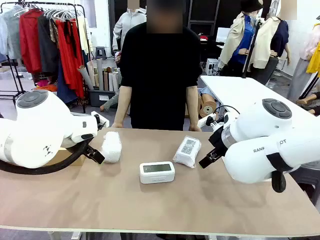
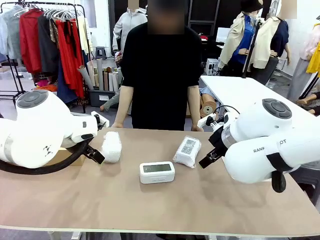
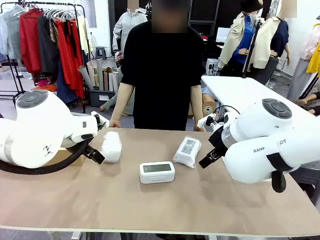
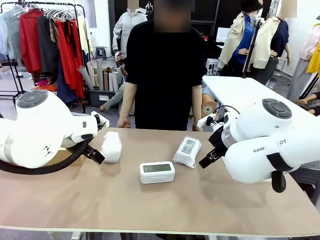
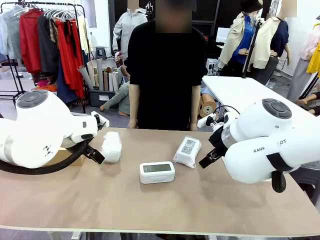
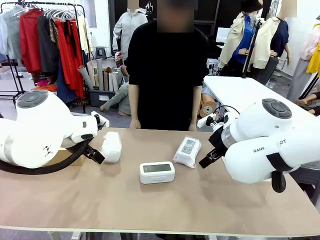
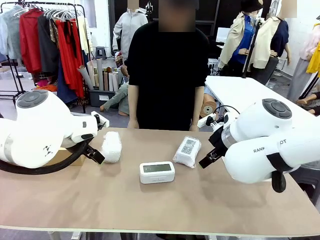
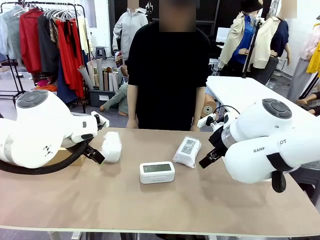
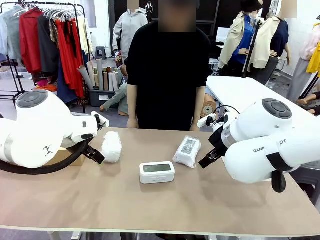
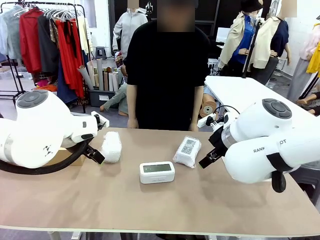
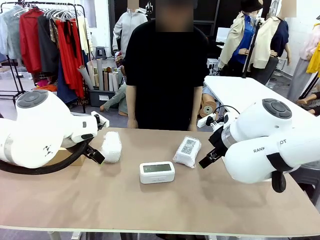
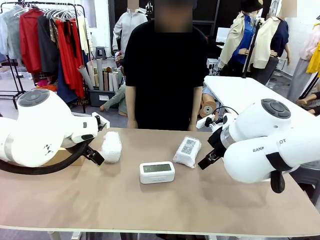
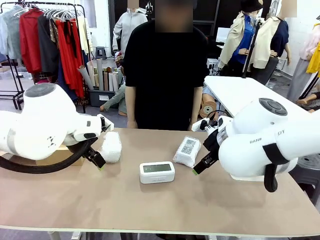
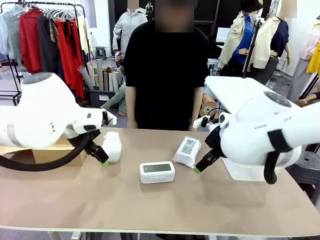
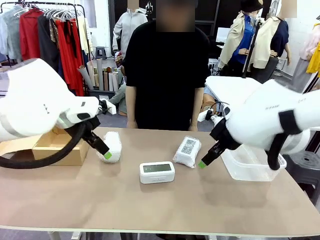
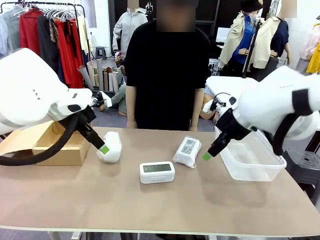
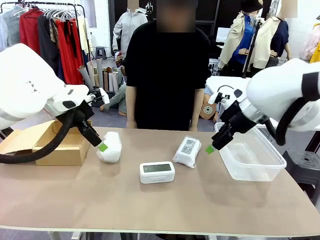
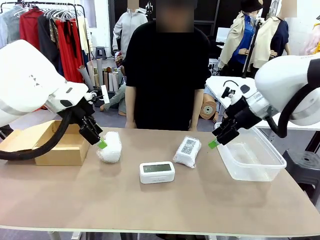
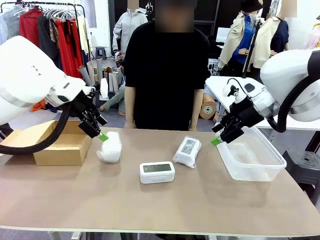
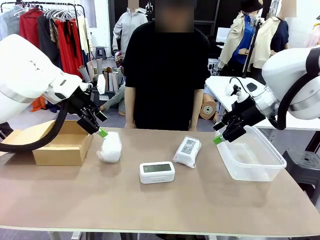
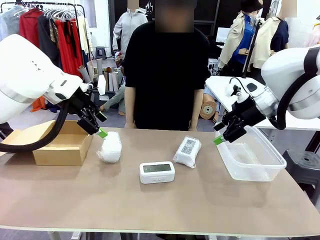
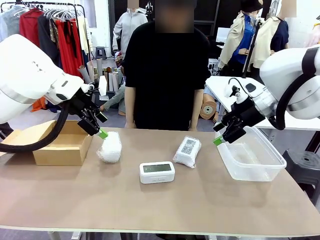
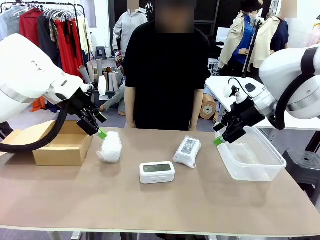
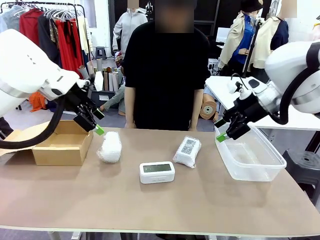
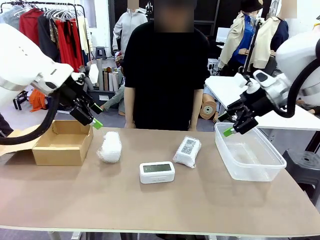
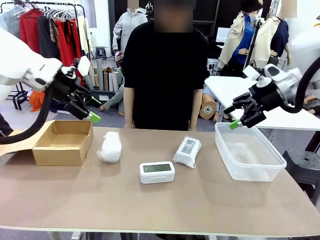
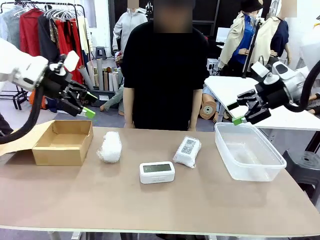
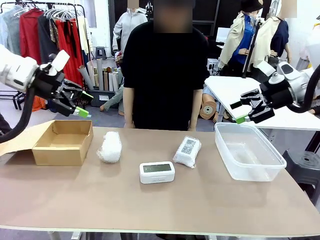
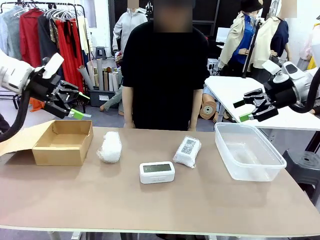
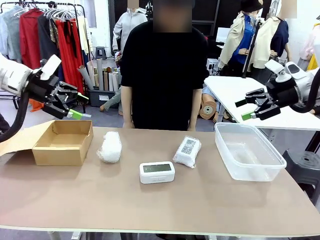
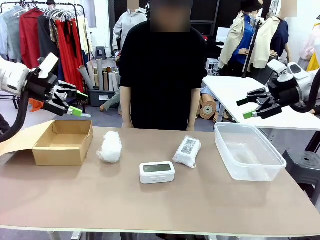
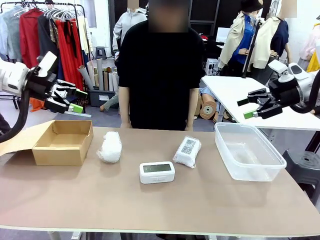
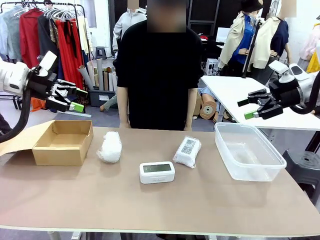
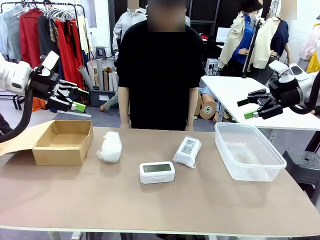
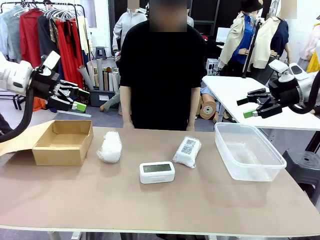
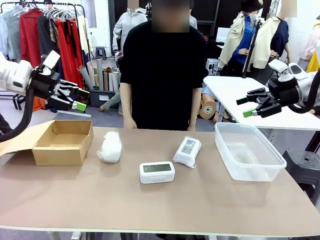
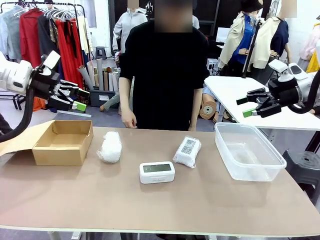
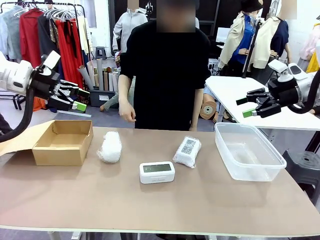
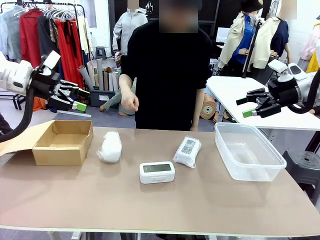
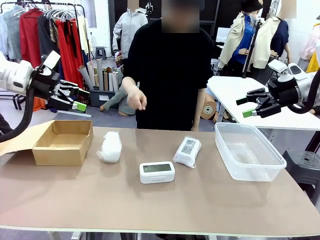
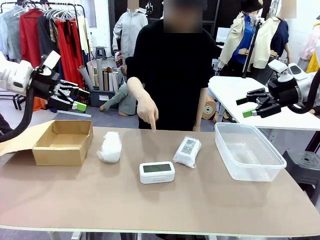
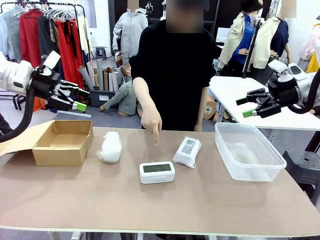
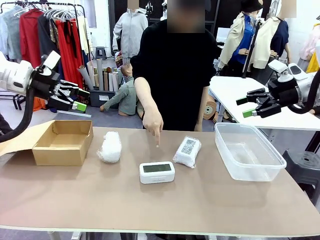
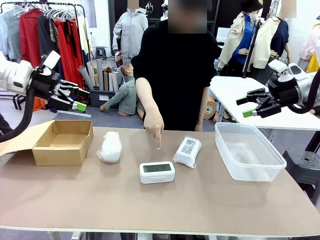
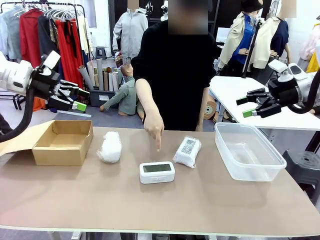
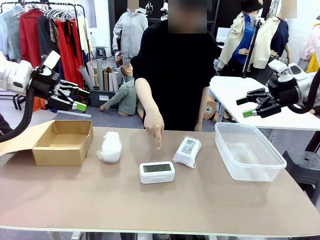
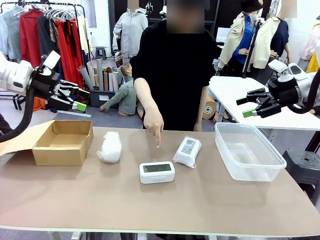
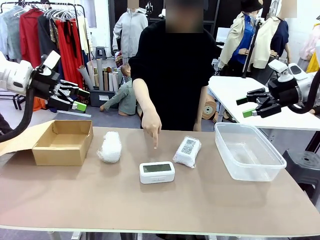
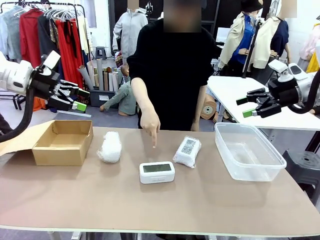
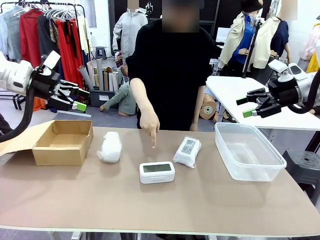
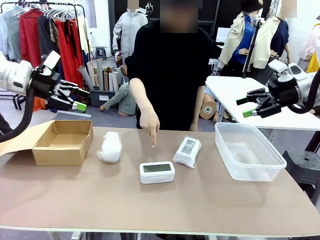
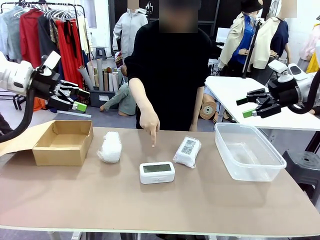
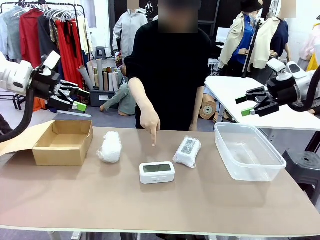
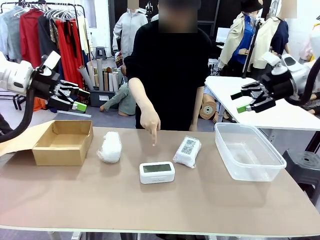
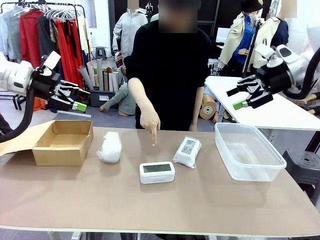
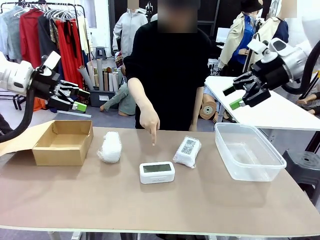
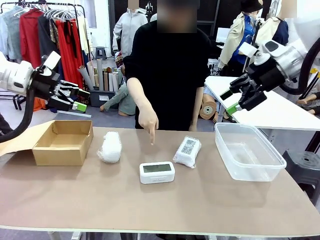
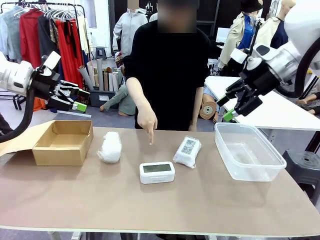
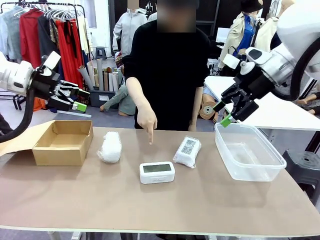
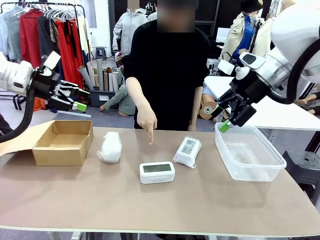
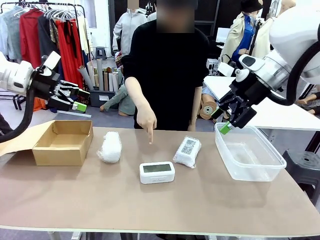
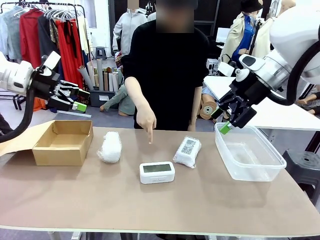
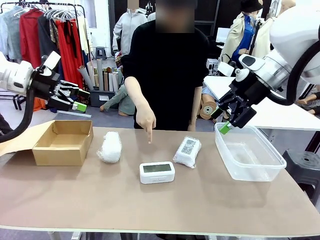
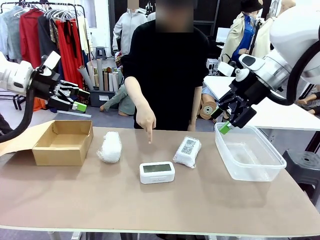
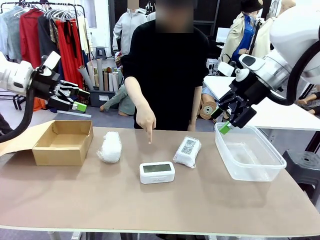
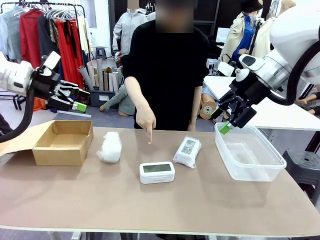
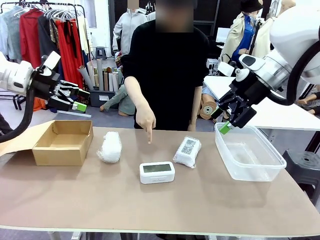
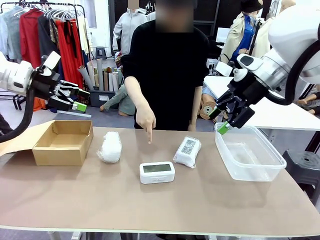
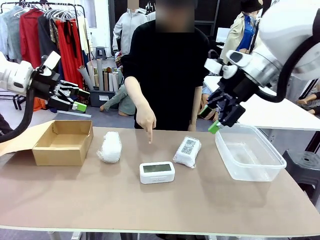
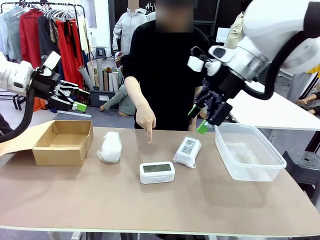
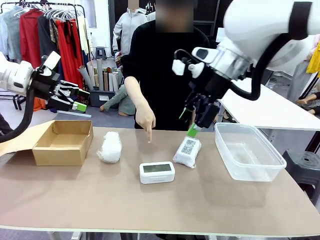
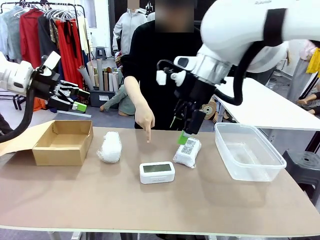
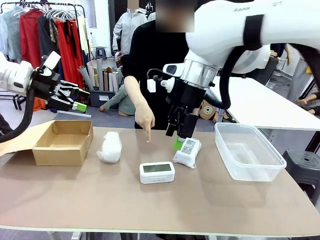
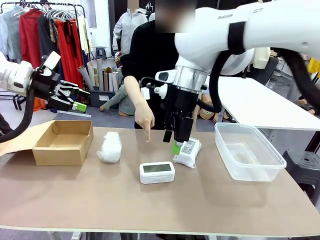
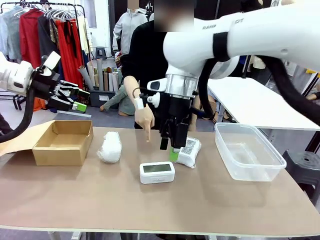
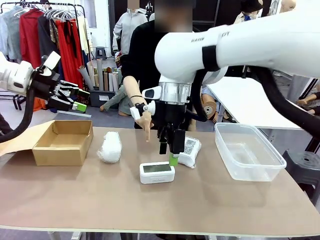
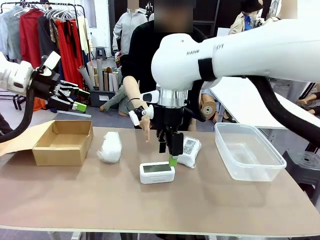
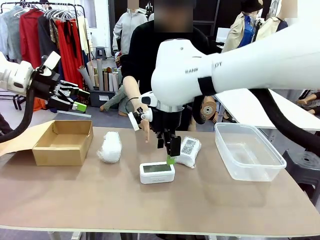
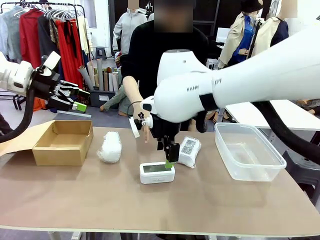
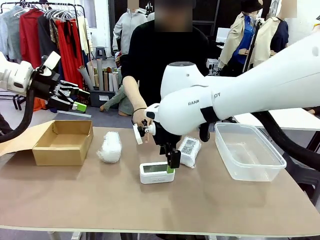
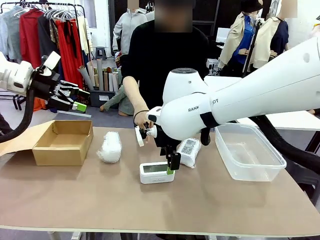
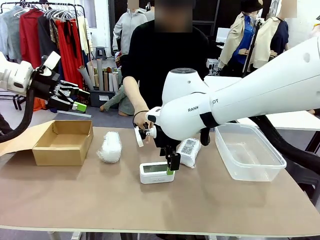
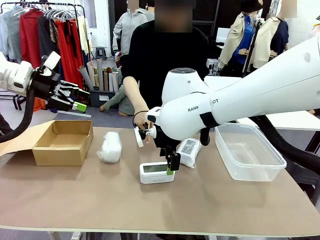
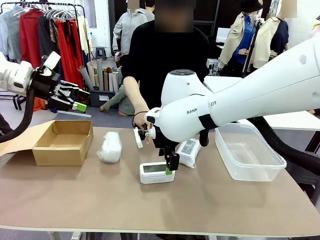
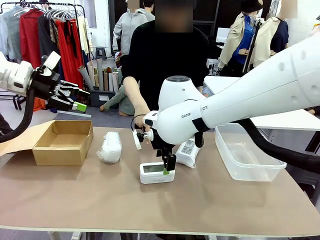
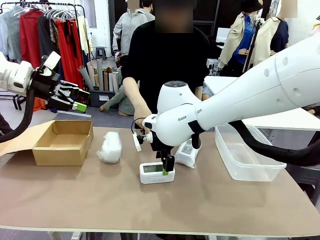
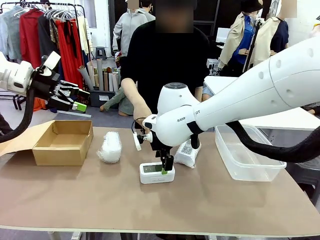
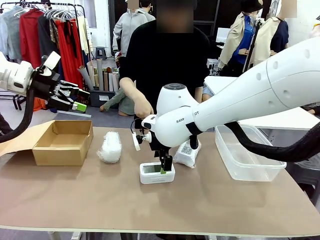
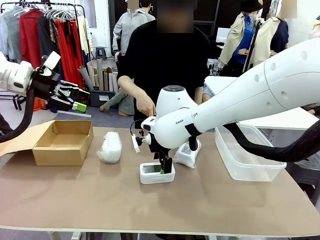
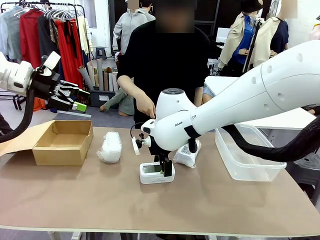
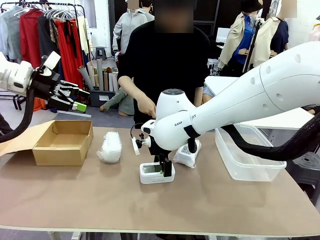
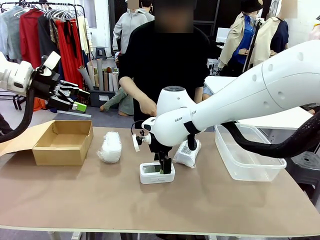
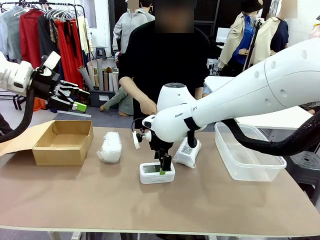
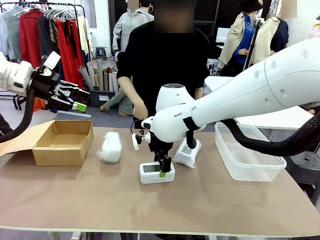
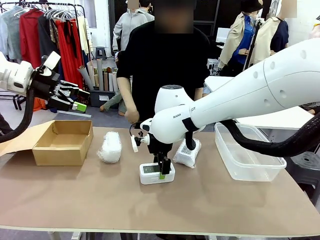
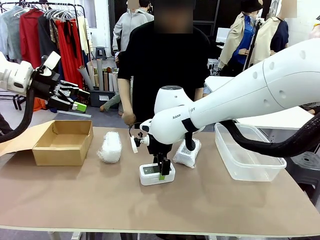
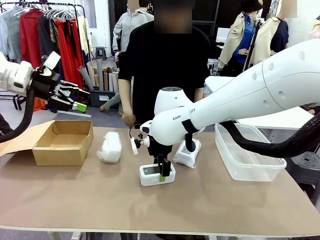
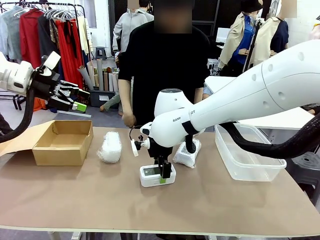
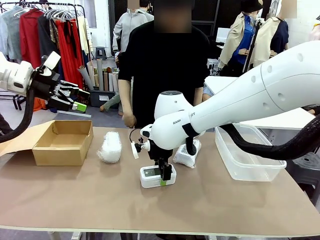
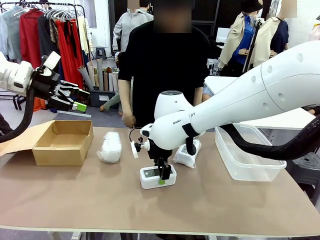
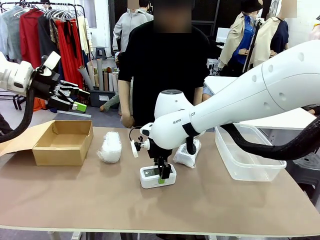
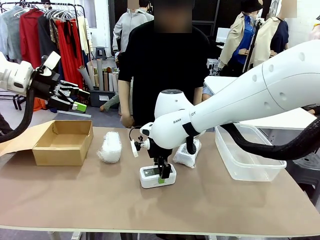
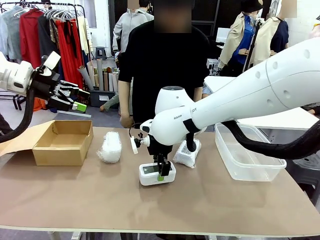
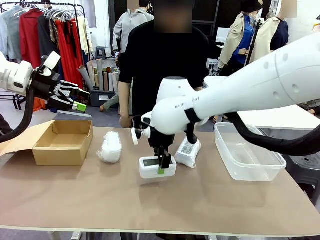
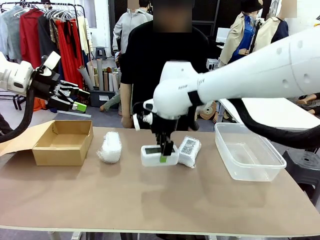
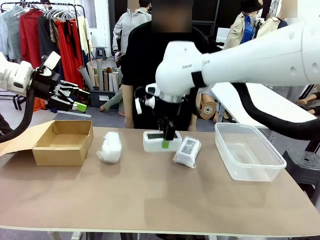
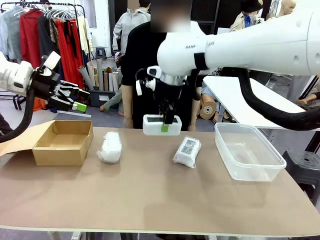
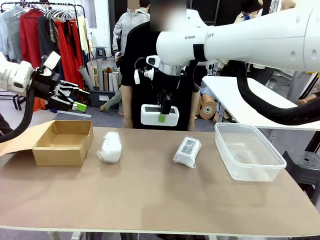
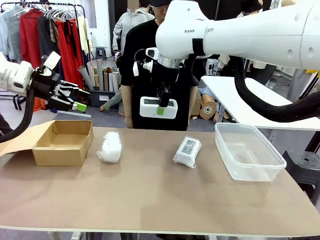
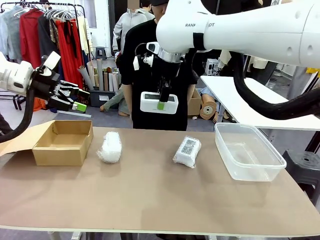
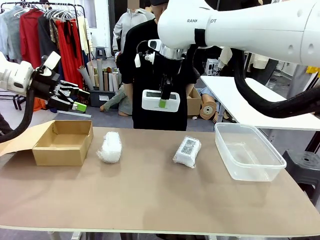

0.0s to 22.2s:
Task: Separate and place wrapped and unwrapped clocks.
Robot: Pick up the Digital clock indicated by the person.
